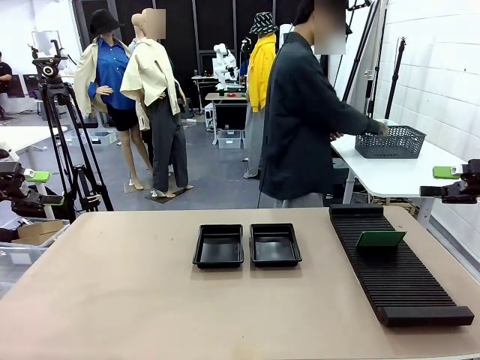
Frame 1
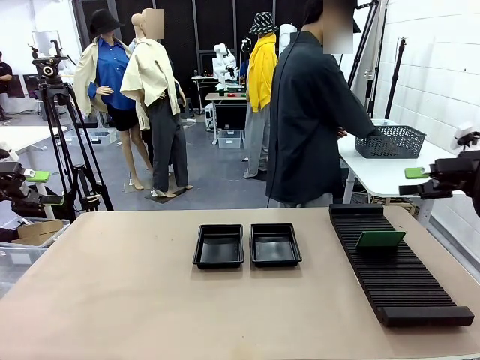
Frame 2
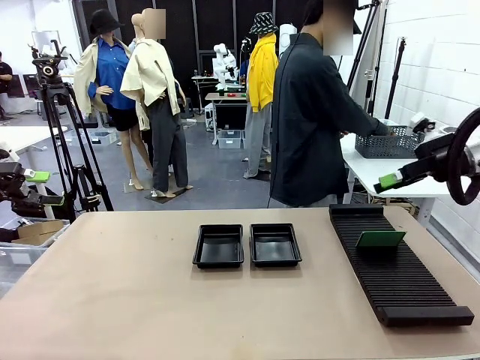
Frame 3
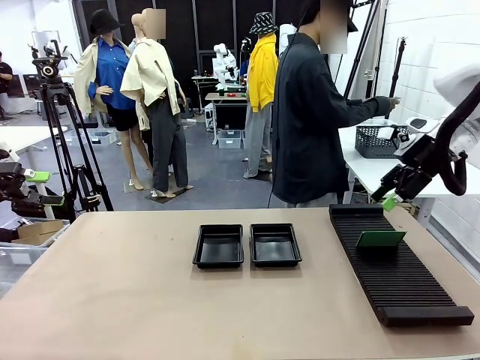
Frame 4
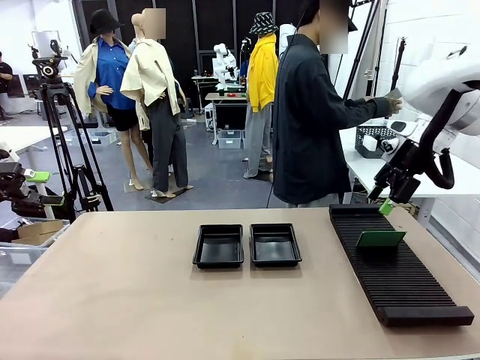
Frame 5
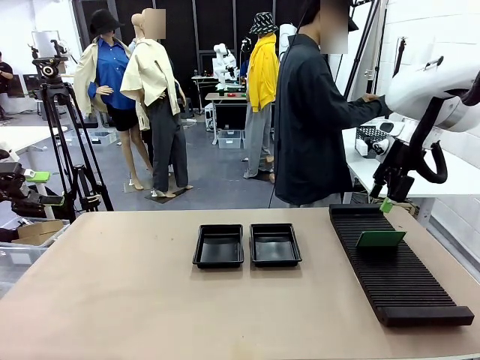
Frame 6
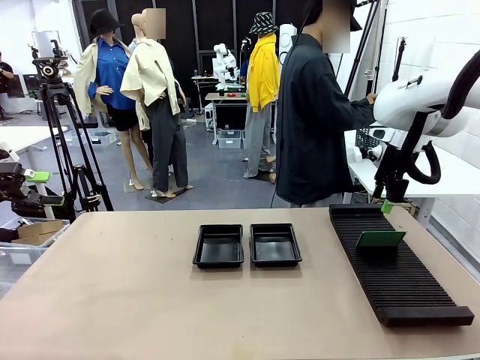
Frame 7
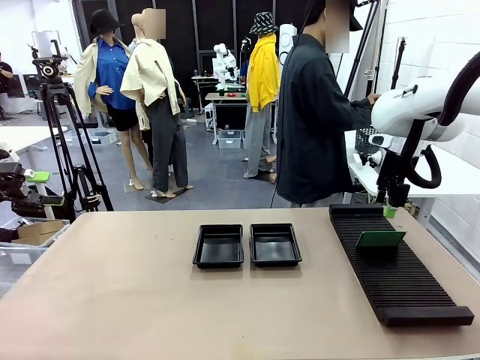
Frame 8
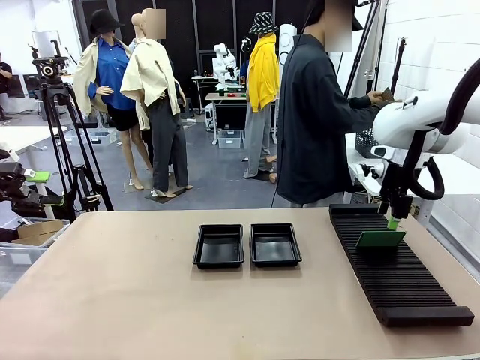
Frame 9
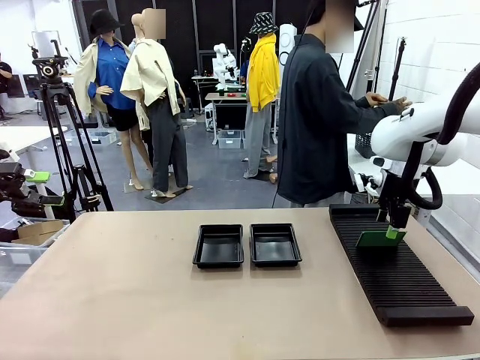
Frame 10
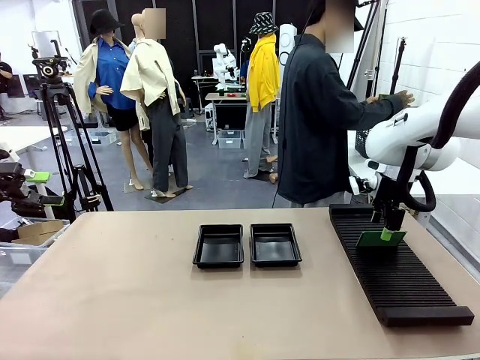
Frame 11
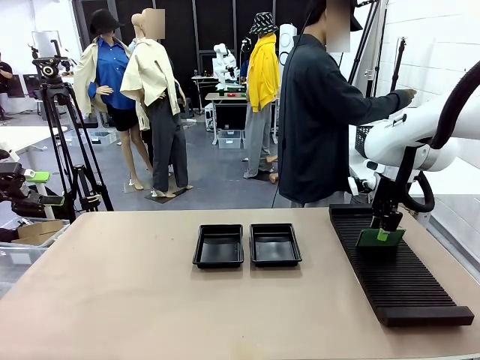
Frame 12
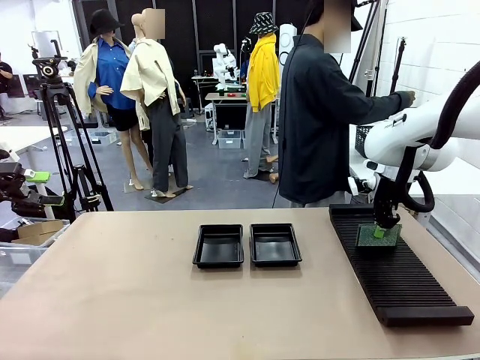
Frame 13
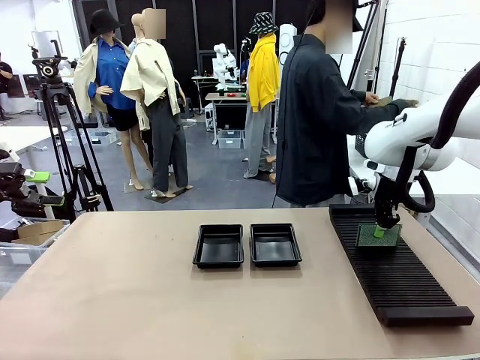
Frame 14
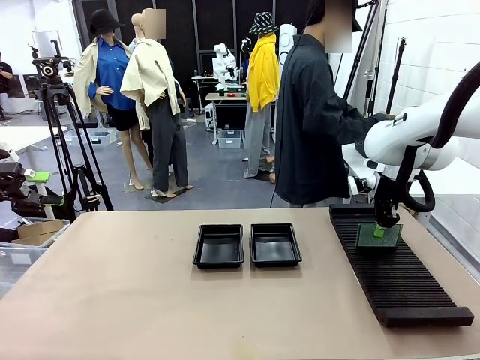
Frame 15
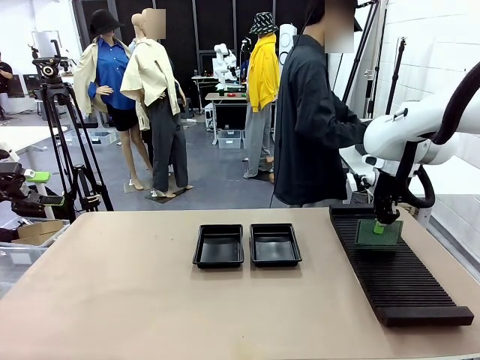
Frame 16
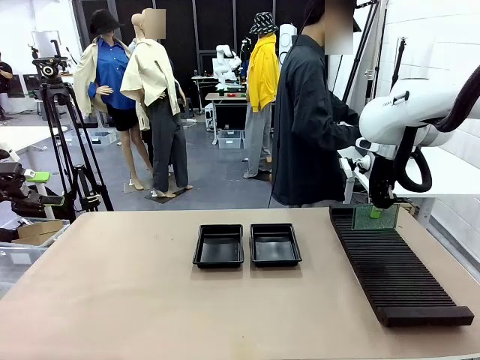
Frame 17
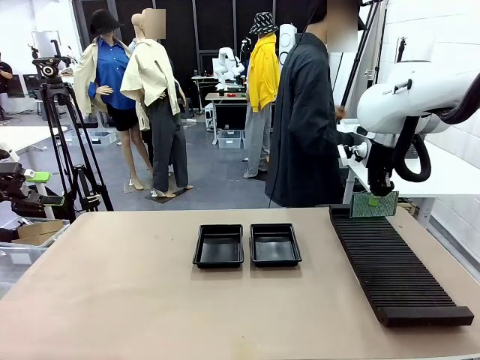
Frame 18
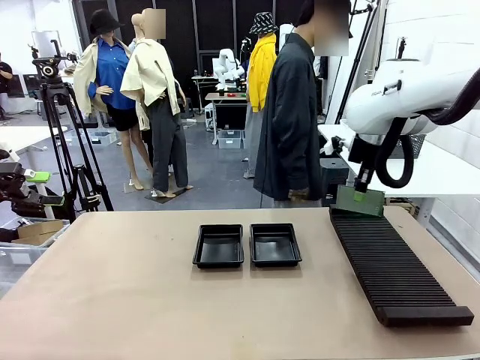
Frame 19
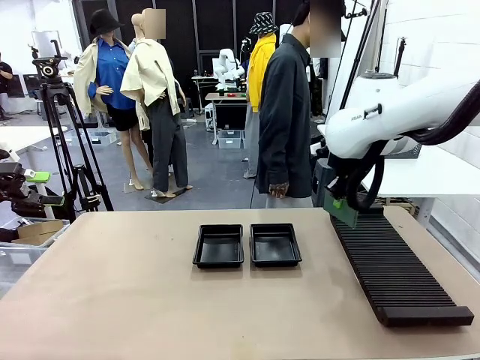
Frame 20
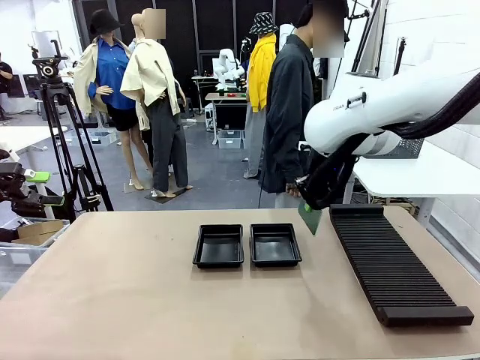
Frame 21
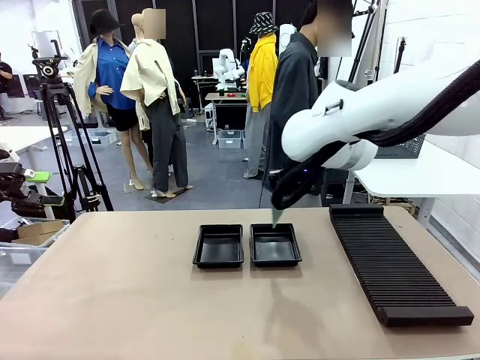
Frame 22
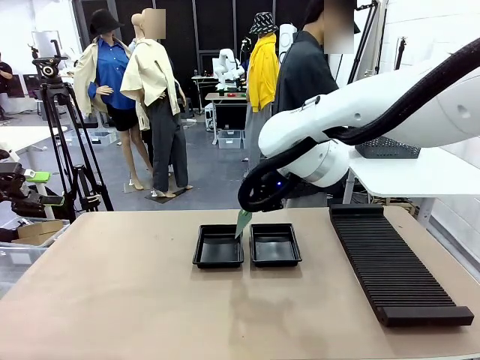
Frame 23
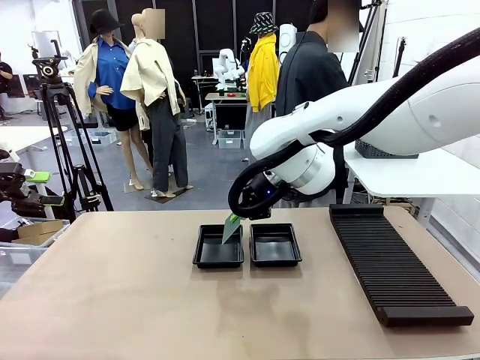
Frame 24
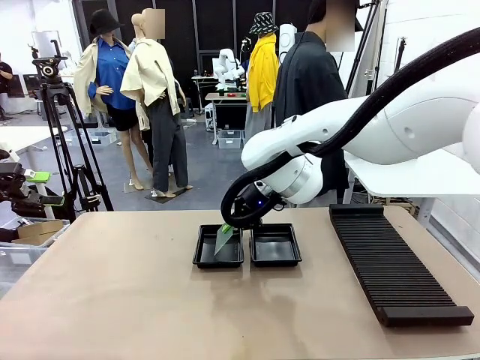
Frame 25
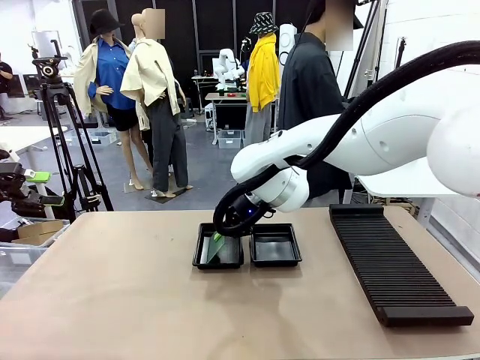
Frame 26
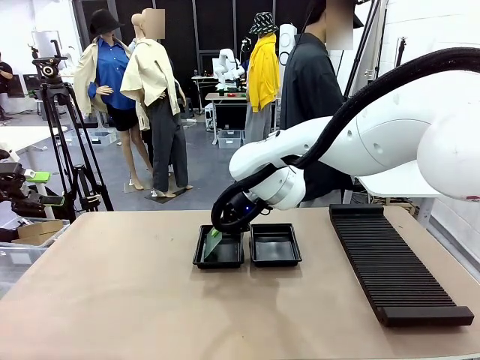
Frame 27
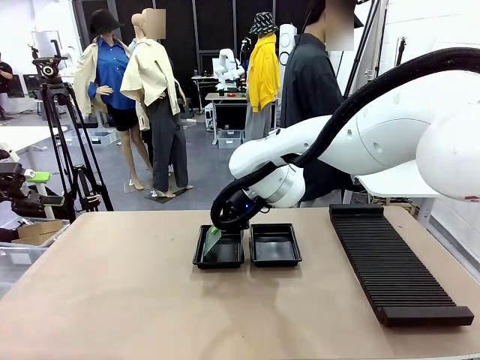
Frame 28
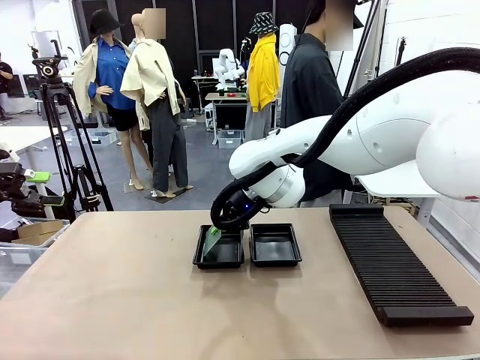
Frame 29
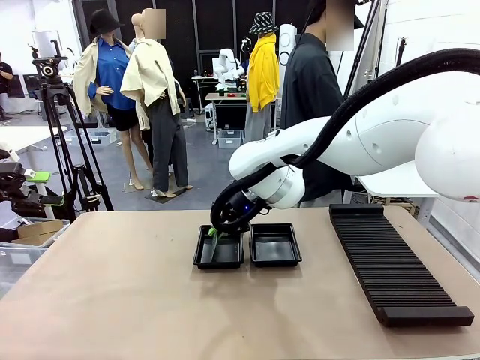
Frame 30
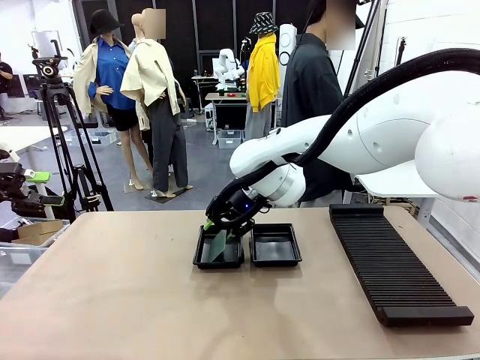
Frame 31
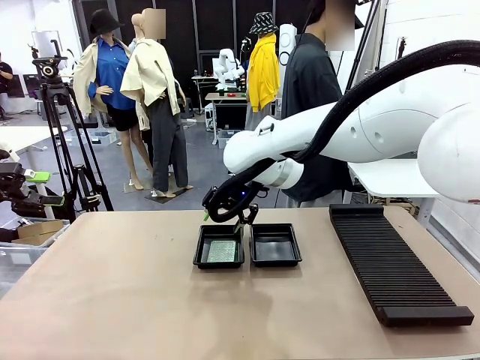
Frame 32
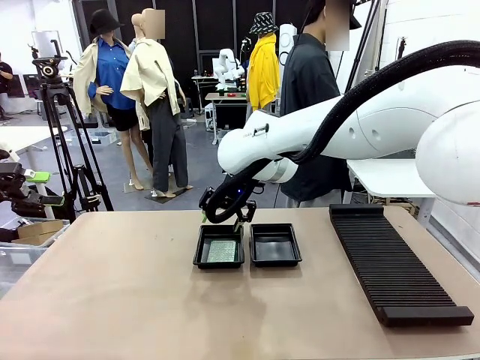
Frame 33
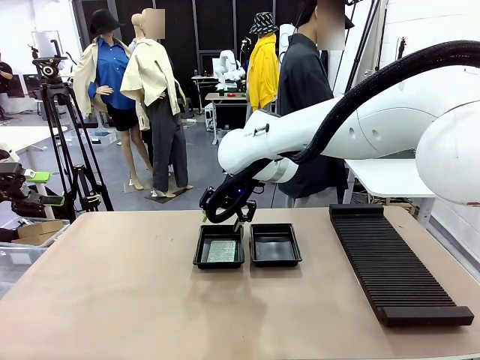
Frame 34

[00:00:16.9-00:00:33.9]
Task: Inspect and transfer BCBs to ESD trays.
Robot: Pick up the Blank PCB from the PCB Rack and place it in the left ESD tray.
